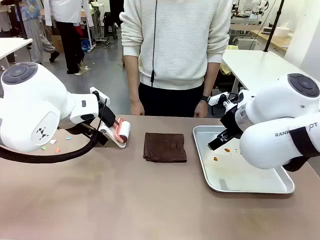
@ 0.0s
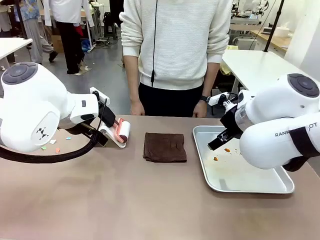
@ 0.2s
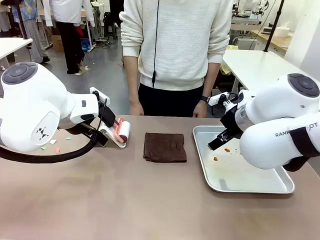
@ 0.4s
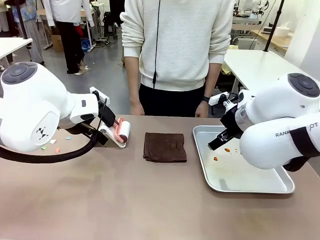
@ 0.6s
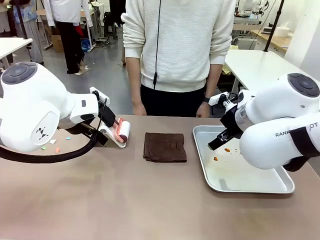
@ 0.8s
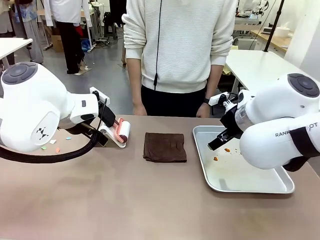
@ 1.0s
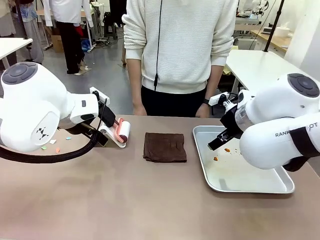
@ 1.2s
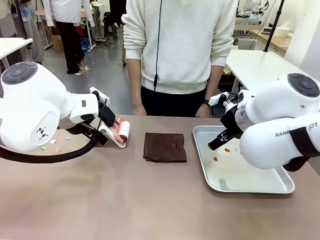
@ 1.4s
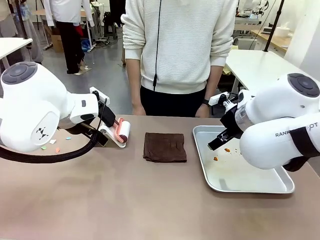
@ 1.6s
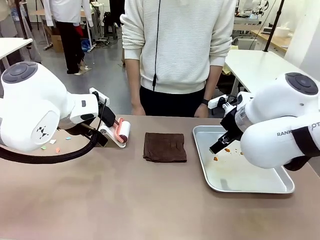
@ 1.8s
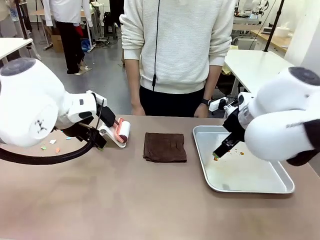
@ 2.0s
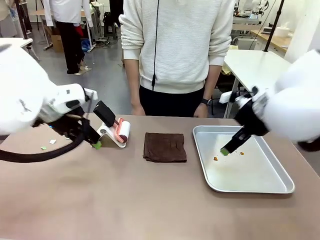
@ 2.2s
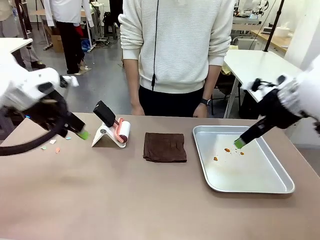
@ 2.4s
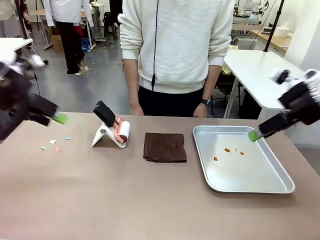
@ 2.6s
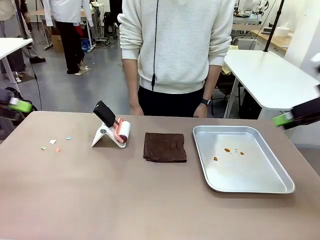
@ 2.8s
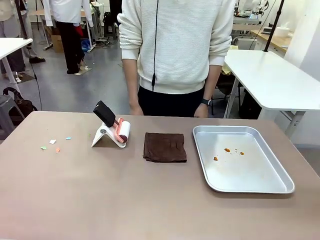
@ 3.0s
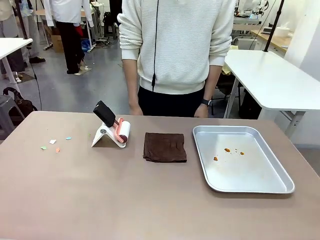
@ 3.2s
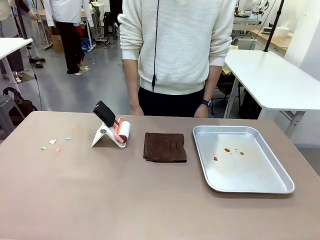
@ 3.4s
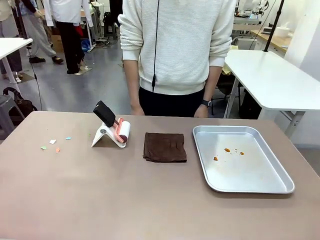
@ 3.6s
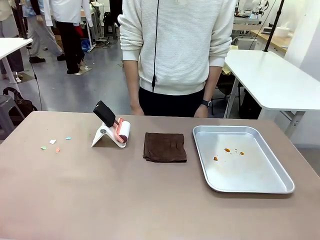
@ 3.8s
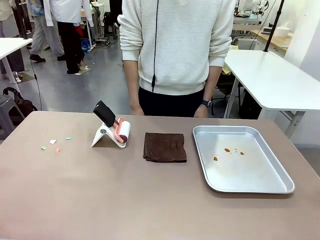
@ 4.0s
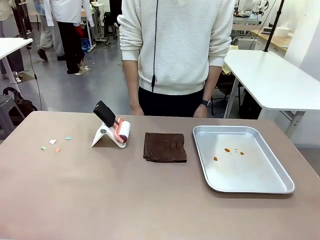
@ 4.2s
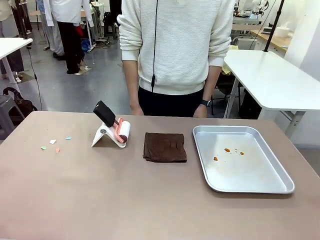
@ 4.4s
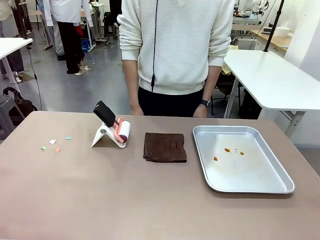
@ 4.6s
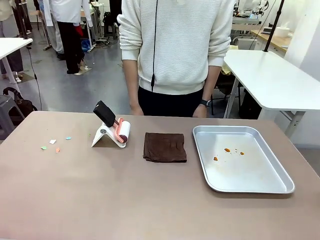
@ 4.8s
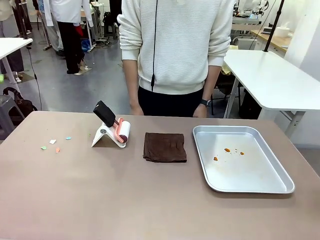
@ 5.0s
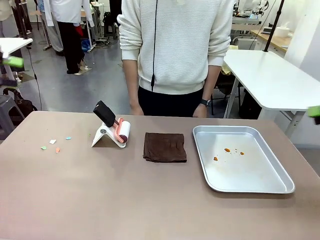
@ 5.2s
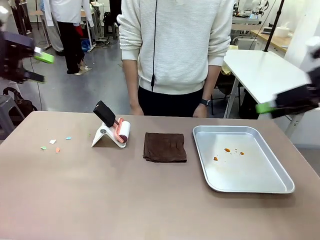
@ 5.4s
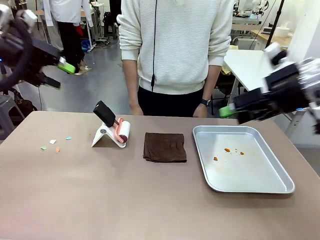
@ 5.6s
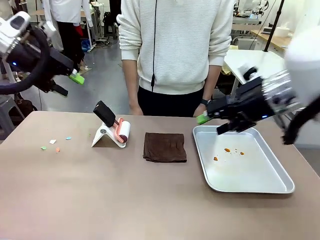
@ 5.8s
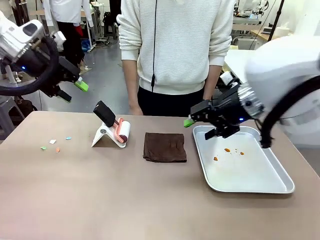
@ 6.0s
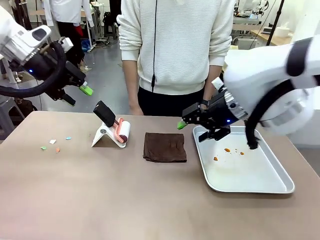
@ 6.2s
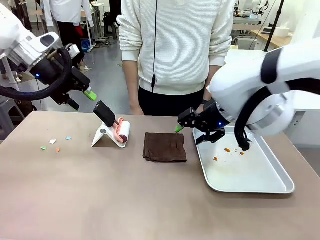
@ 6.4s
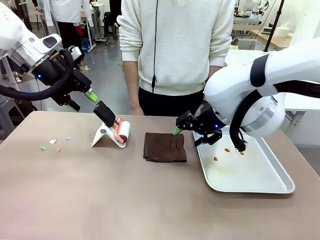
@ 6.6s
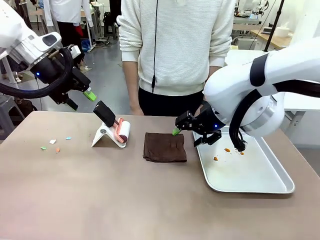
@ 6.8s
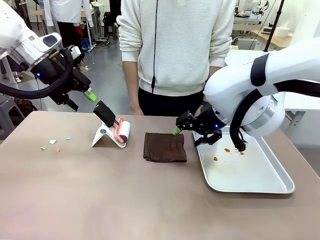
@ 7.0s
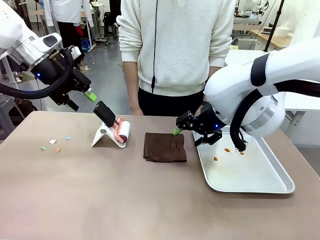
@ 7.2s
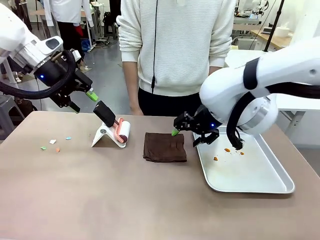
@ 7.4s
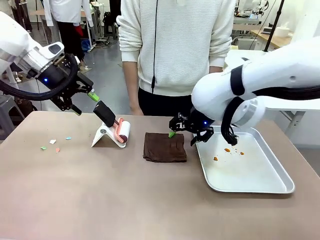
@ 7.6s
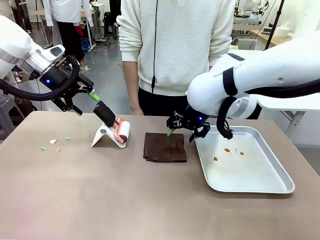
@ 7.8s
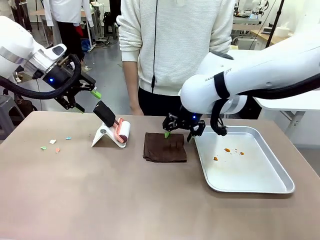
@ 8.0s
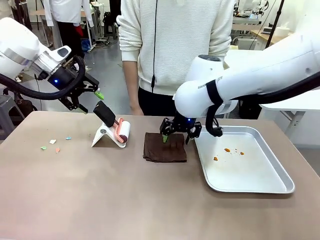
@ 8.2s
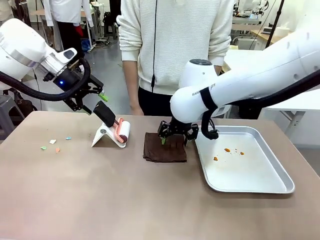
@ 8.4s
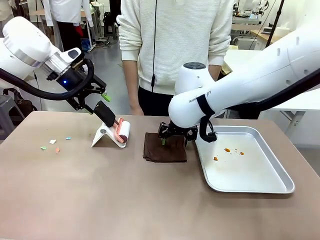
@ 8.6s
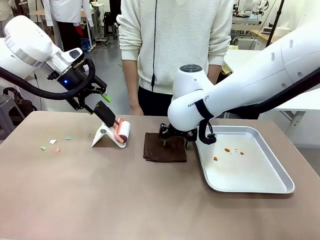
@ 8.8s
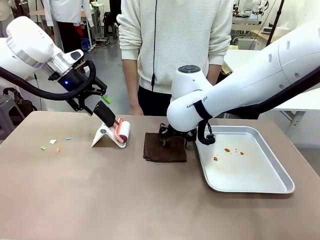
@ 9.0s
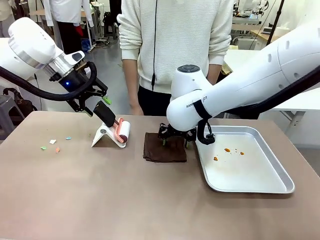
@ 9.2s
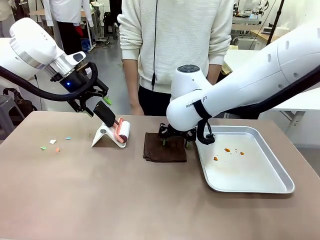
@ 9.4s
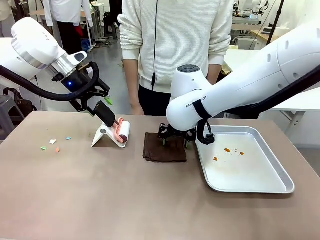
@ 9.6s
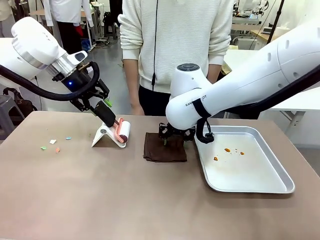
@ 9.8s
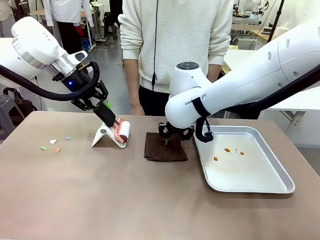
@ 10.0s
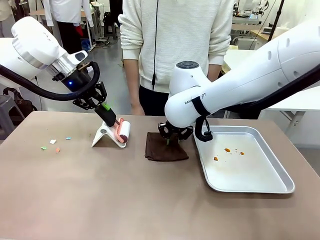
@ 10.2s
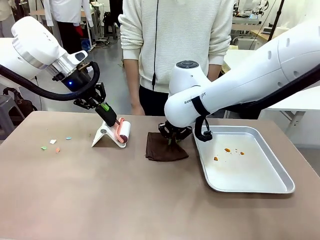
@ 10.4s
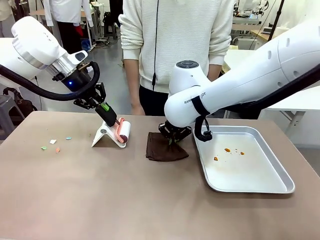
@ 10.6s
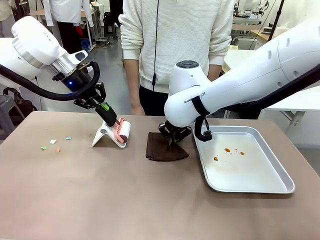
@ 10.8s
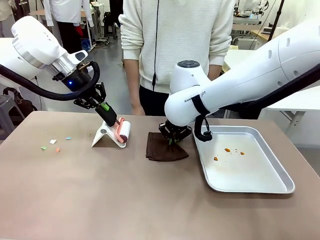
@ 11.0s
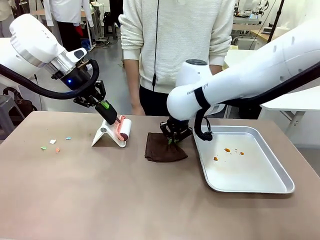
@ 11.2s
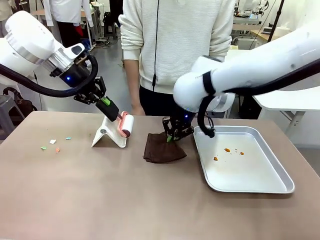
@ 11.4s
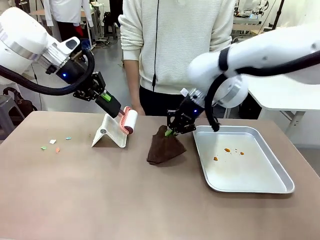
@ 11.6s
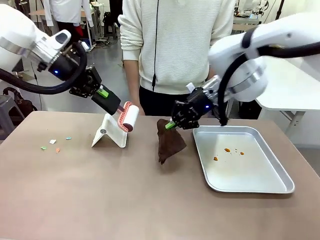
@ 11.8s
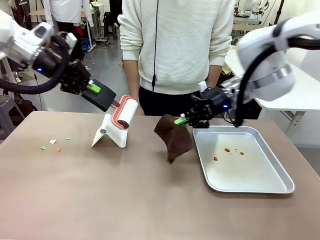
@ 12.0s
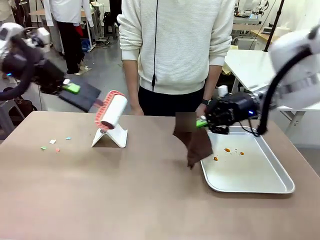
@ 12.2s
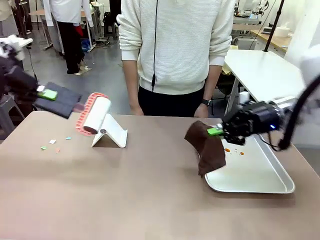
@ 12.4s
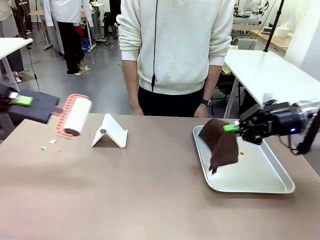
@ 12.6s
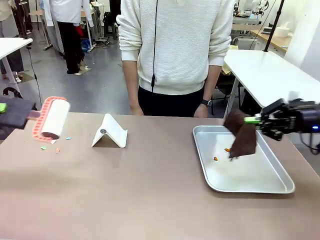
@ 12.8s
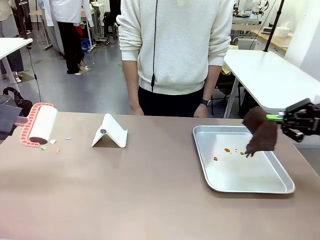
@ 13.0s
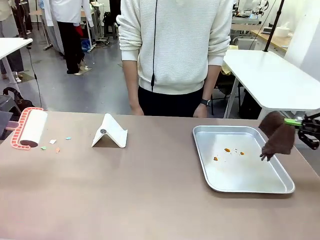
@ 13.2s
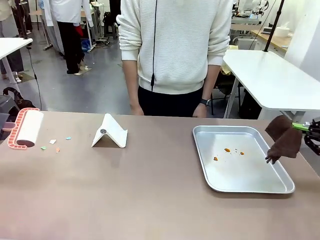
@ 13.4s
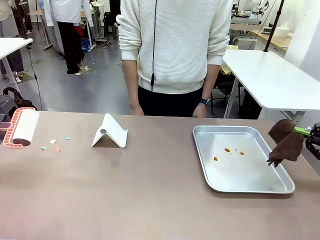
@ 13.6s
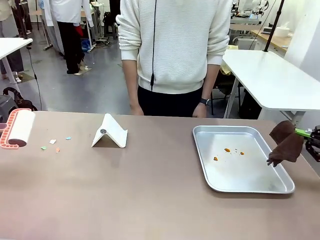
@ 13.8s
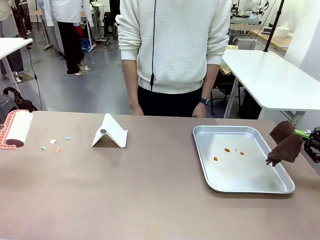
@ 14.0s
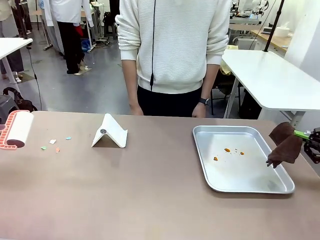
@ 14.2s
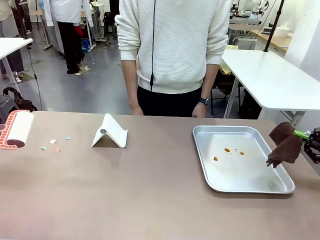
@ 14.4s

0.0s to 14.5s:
Task: Clean the surface of the table.
Robot: Hold the Lint Roller with your left hand and the towel with your right hand.

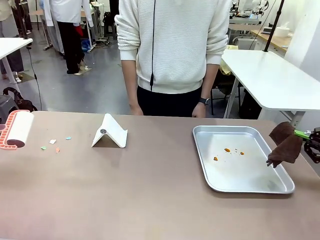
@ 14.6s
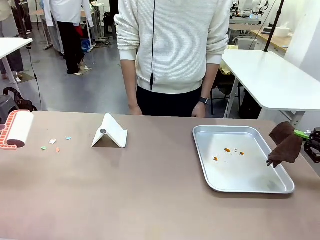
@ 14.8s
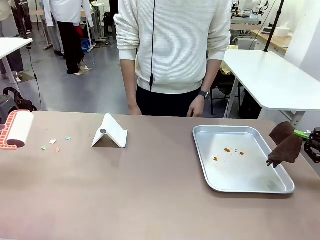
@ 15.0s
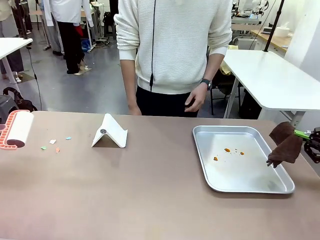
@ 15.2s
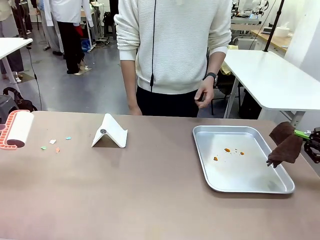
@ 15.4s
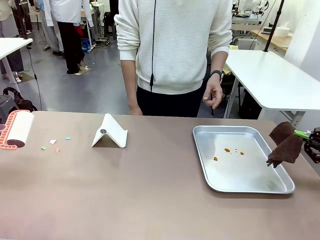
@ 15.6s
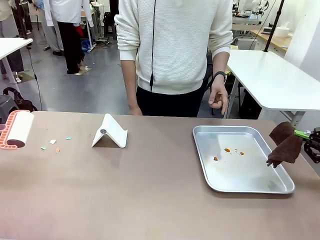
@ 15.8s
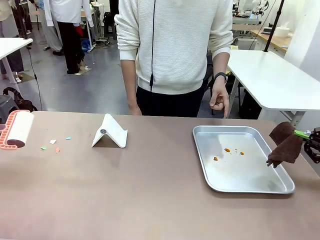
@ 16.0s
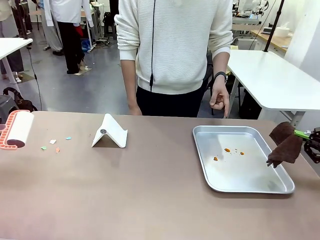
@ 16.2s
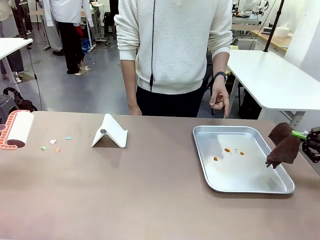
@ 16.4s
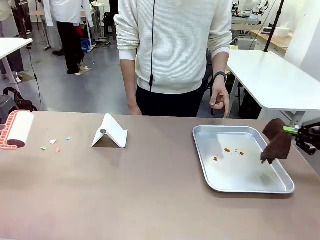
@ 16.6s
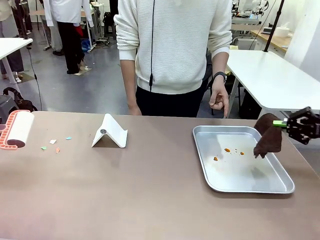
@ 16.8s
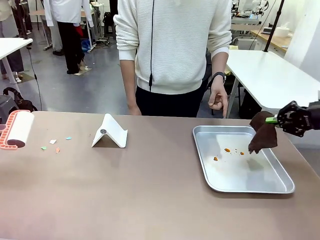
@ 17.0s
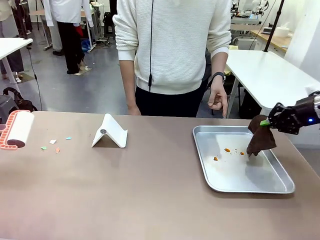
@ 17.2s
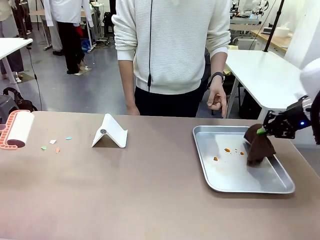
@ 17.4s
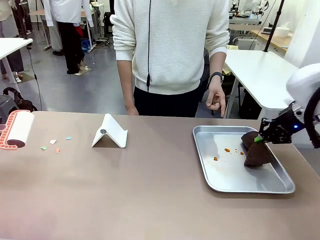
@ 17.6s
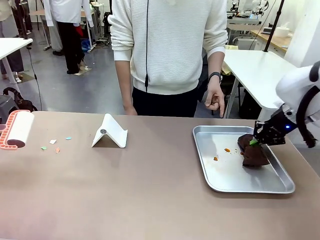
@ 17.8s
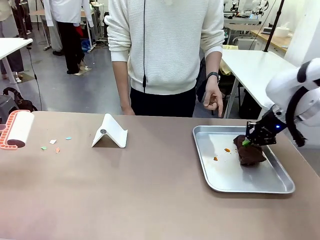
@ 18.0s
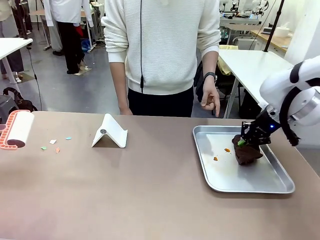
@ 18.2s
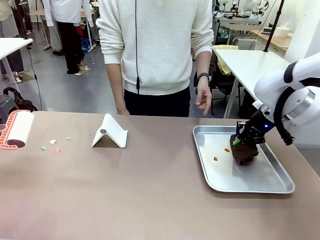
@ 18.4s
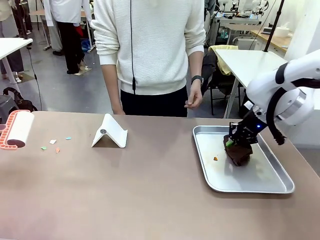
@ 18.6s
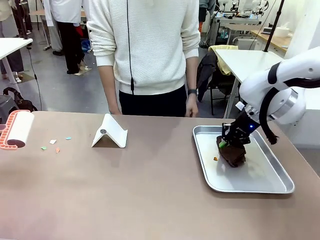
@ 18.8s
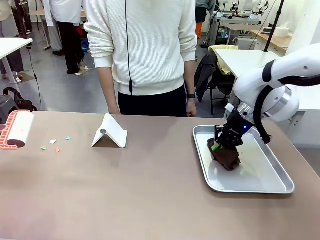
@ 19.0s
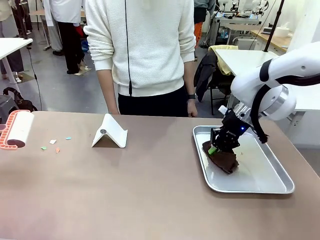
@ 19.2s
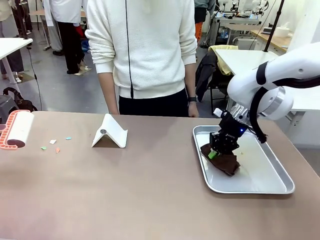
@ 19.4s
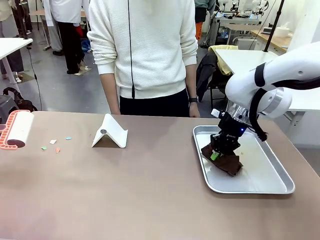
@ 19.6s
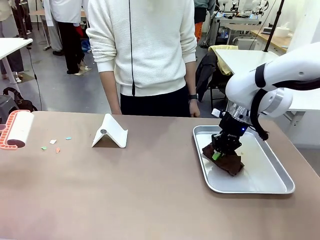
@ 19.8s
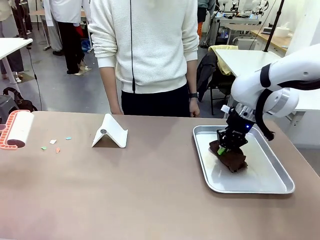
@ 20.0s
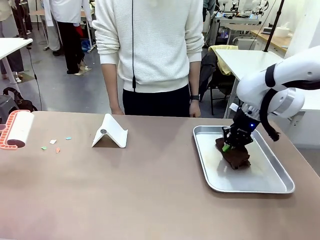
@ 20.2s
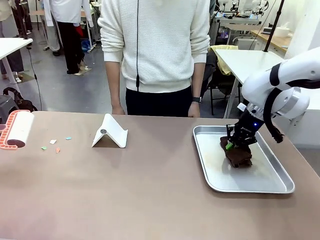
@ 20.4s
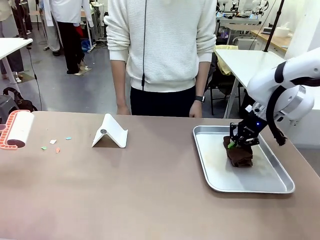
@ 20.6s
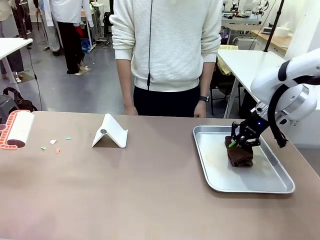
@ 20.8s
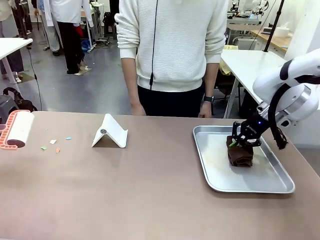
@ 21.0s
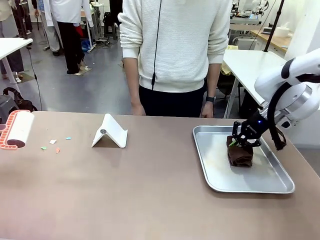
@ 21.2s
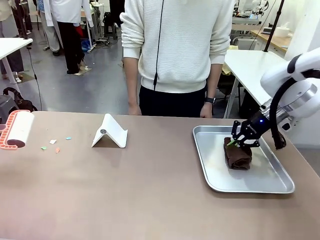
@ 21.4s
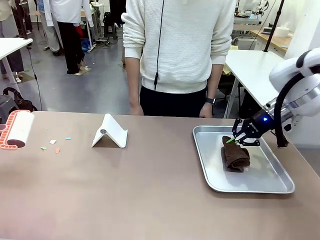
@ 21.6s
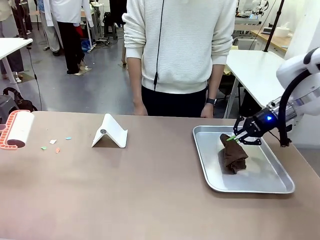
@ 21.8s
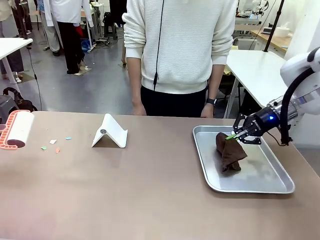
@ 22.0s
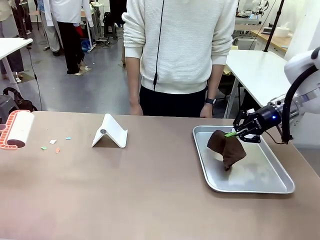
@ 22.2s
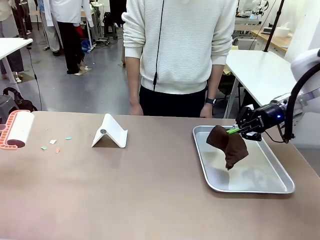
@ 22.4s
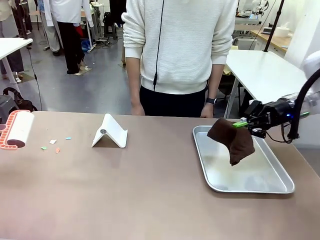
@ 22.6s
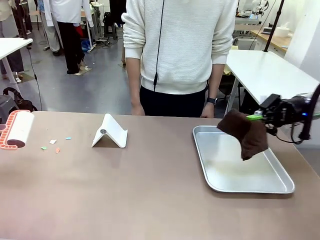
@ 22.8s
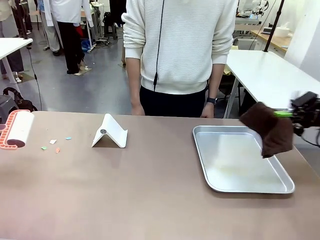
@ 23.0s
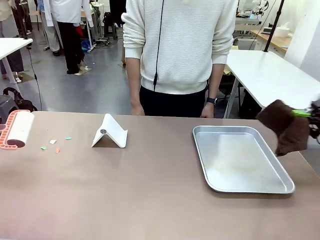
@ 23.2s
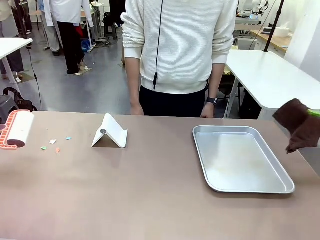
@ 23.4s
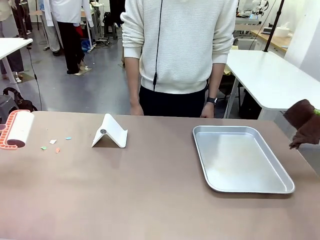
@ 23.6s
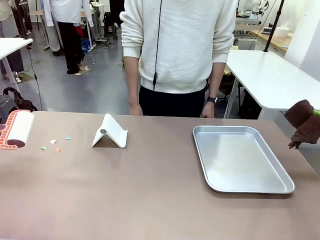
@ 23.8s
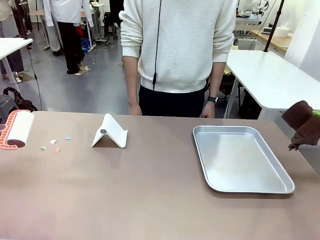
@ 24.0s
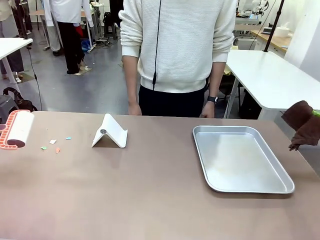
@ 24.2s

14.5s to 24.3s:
Robot: If a person points to the right, clean the right side of the table with your right hand, and if they point to the left, clean the left side with your left hand.
